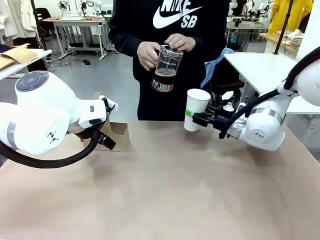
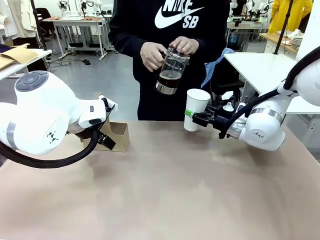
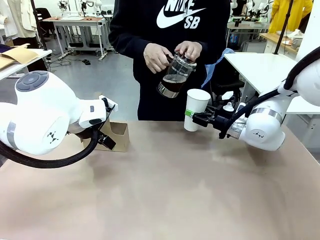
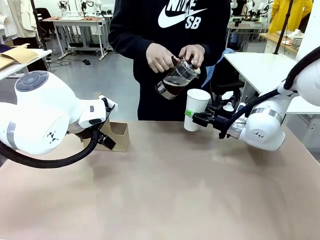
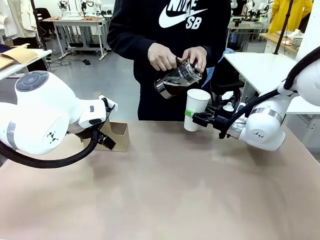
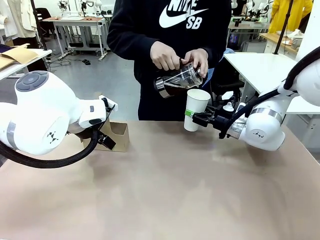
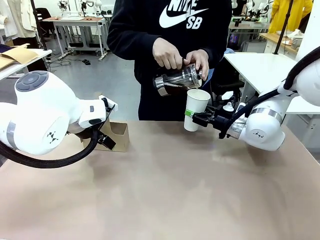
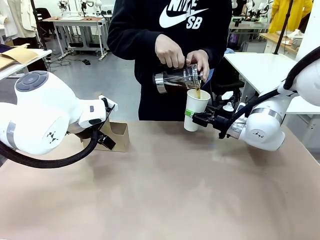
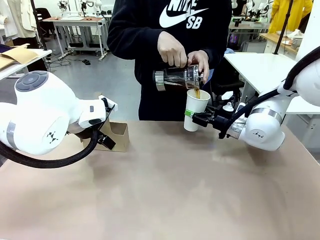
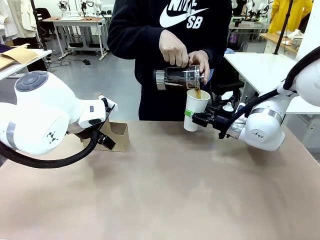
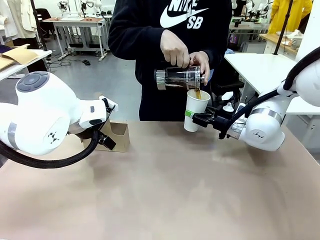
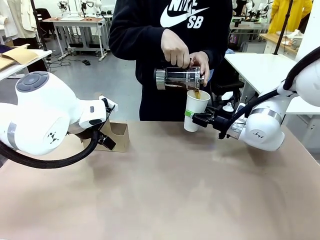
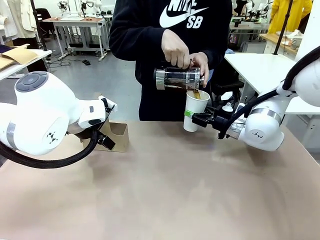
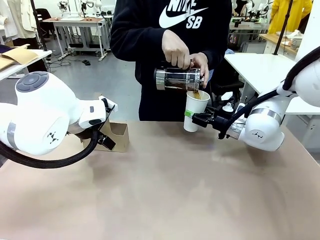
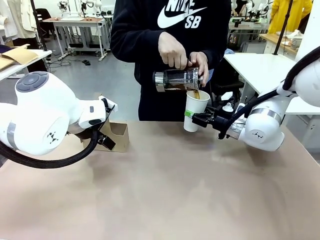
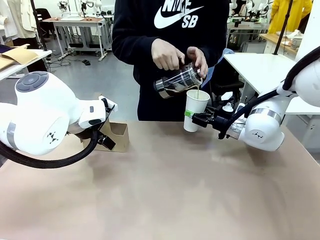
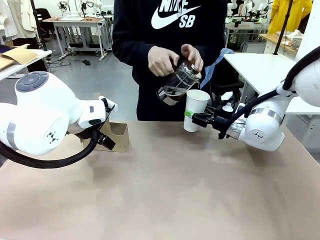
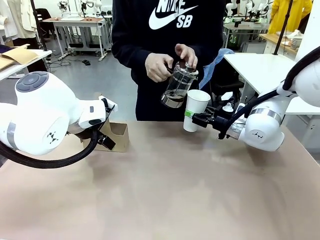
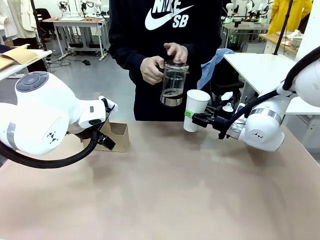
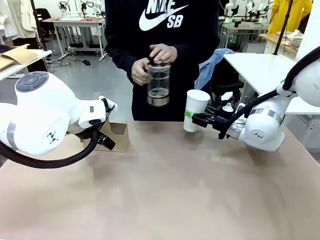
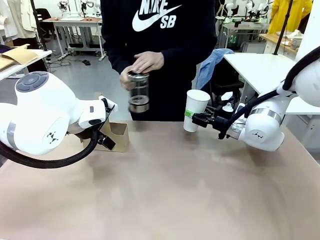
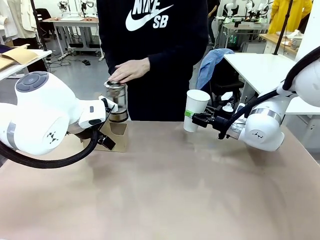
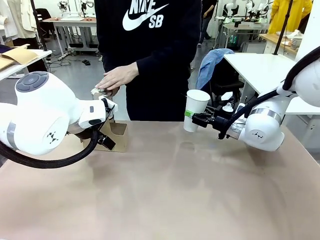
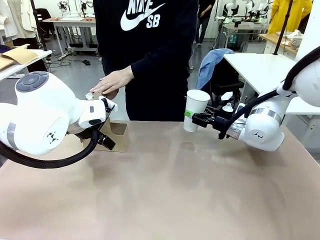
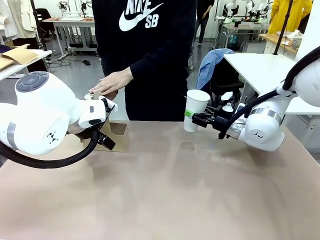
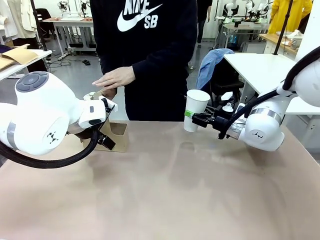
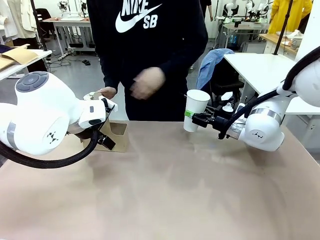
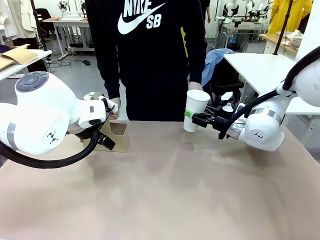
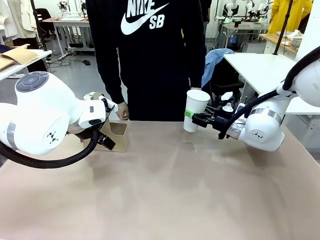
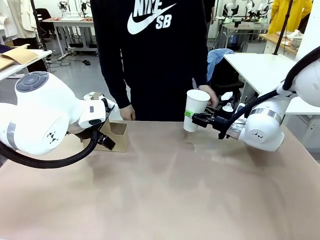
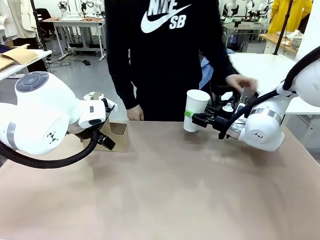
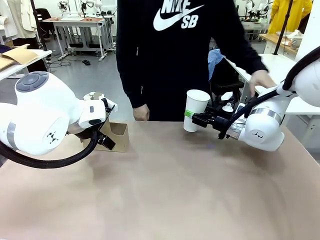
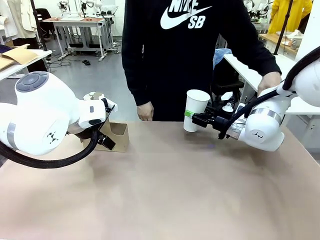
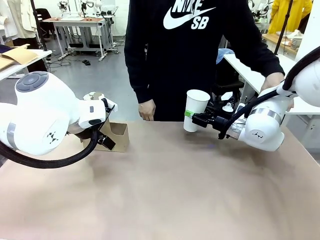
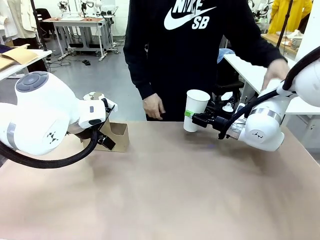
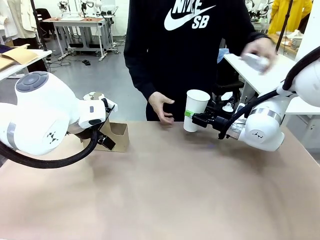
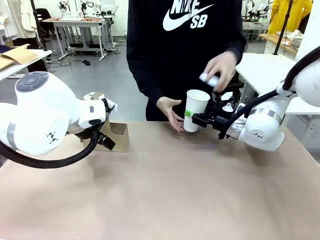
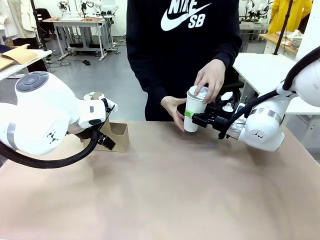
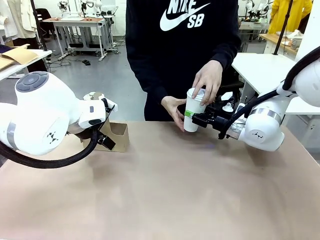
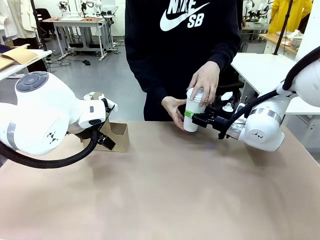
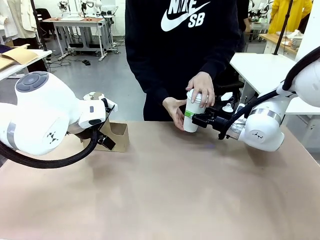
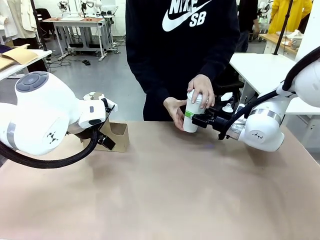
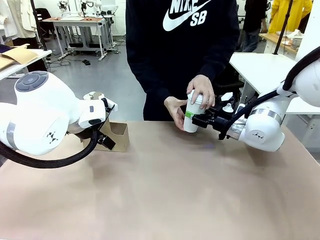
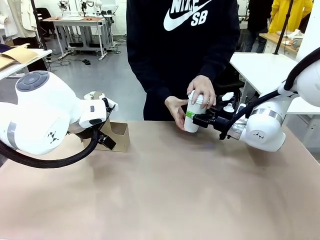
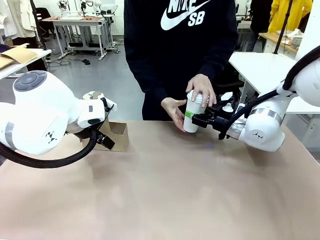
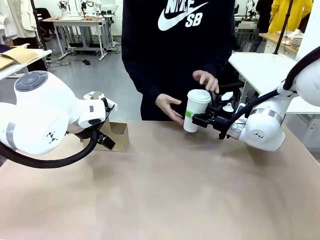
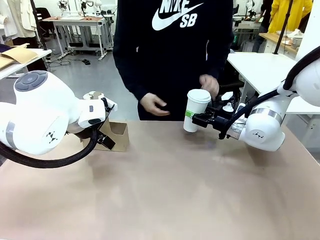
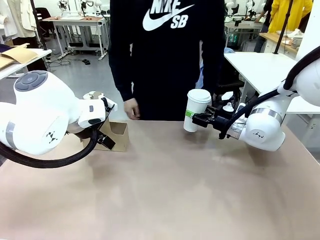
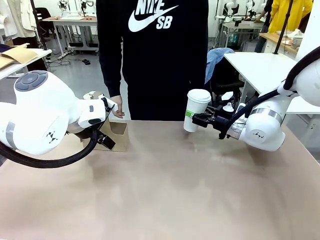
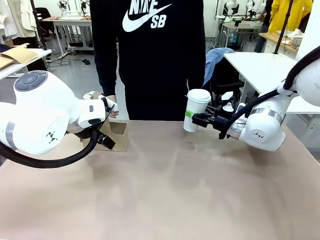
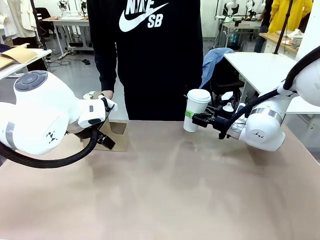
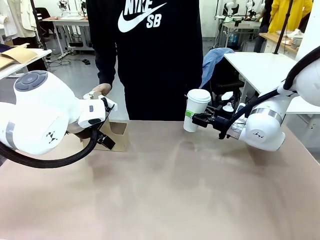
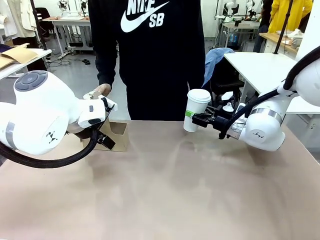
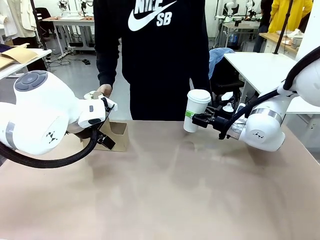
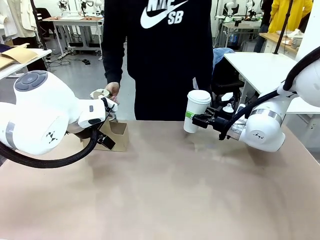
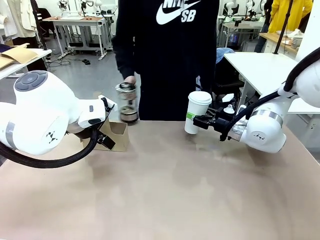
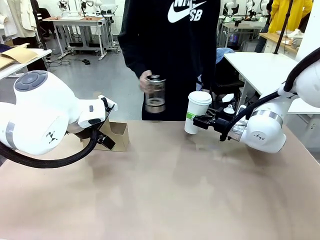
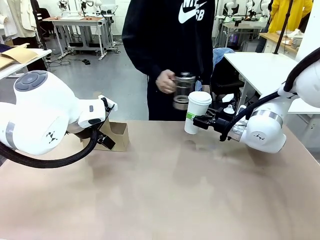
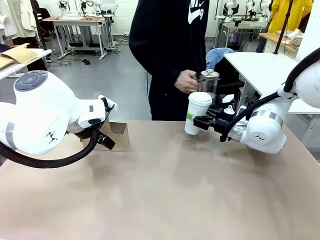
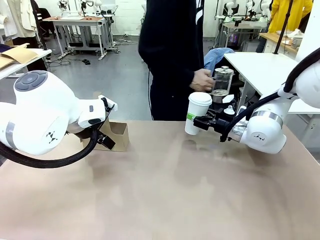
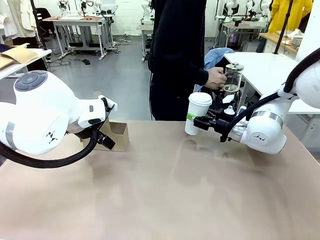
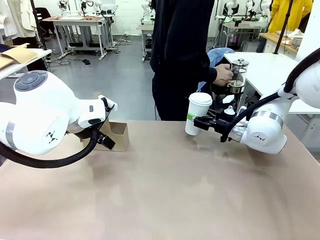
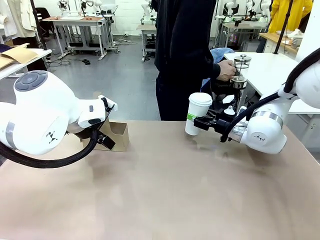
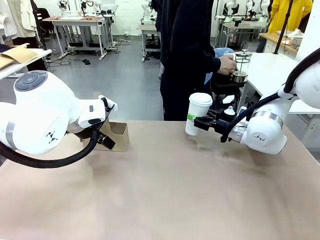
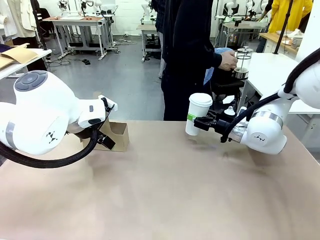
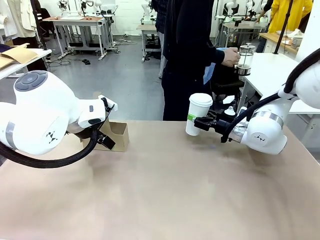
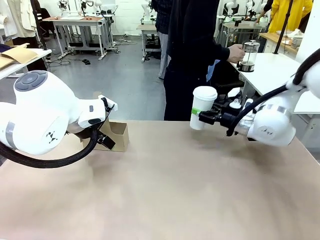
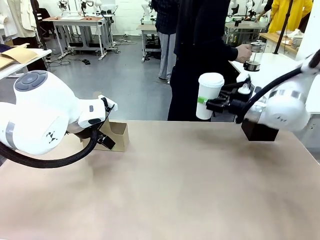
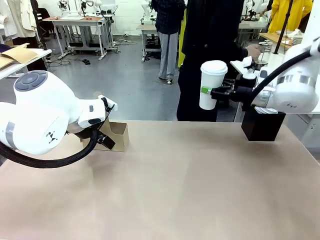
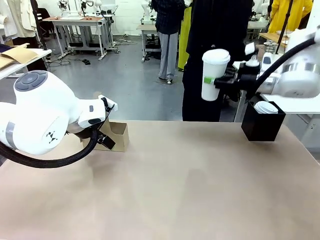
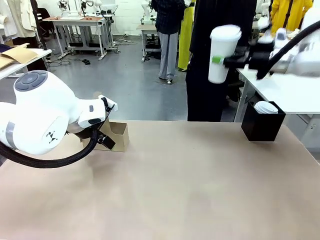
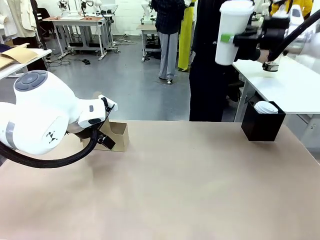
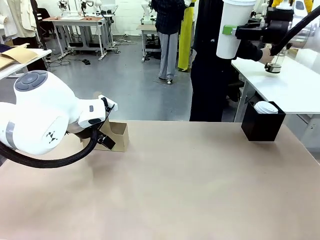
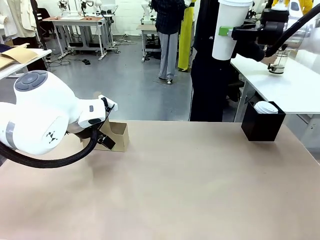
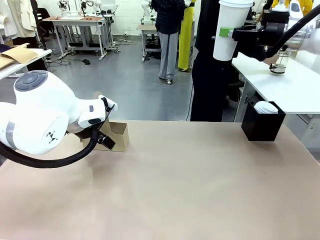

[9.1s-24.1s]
Task: Pour a drink into a cup and package it in a carrier.
Robot: When a person places the Paper Cup Lid on the 600 ml Paper Cup , lift the 600 ml Paper Cup.
Person: Pour the drink from the Filter Brewing into the 600 ml Paper Cup. Place a Paper Cup Lid on the 600 ml Paper Cup.

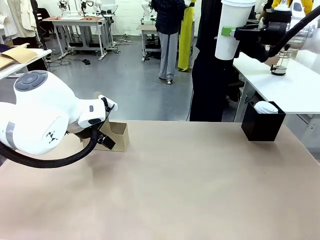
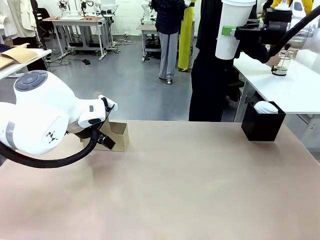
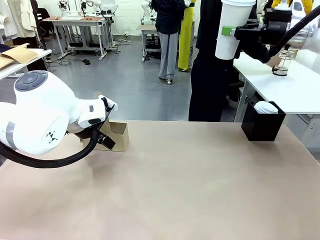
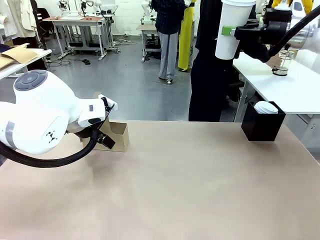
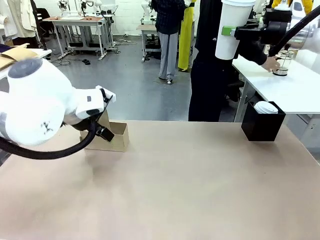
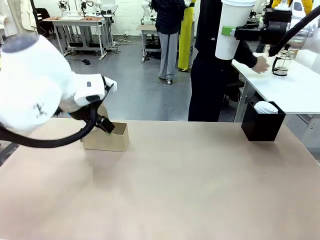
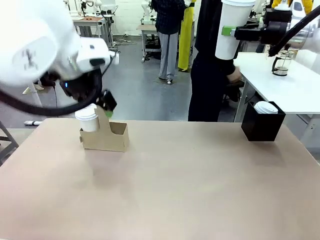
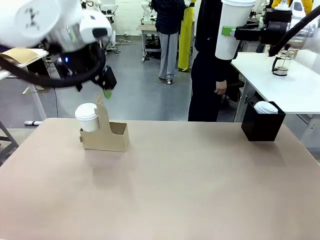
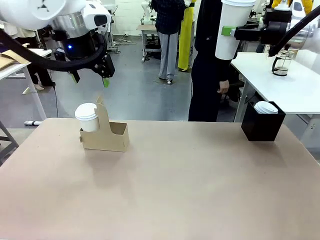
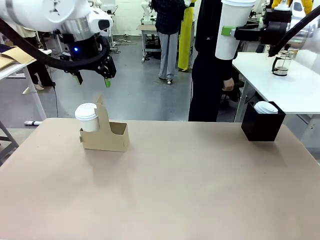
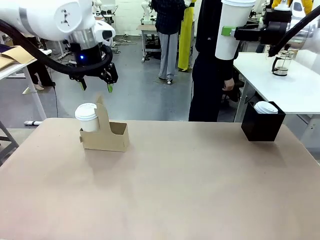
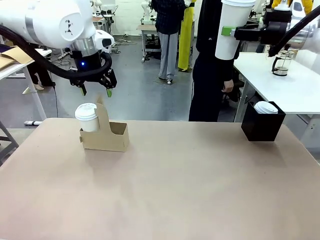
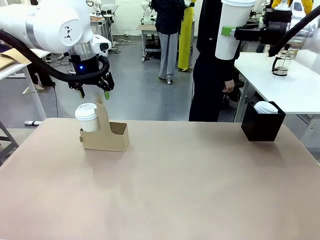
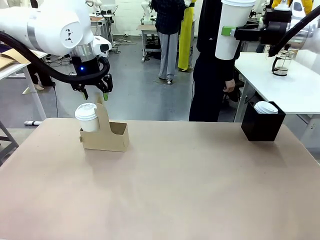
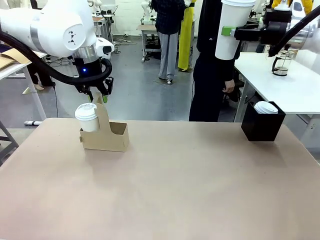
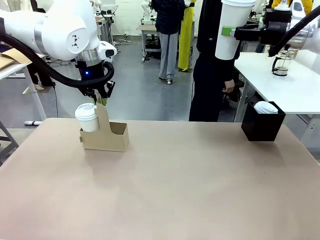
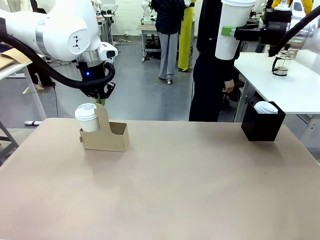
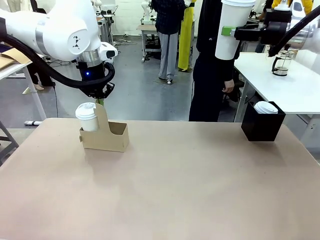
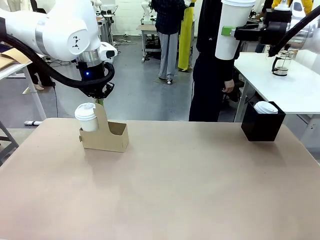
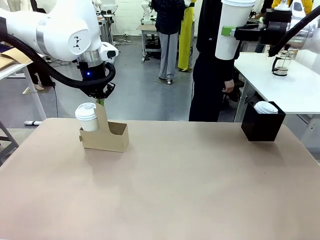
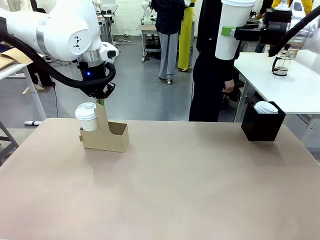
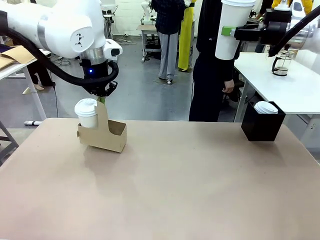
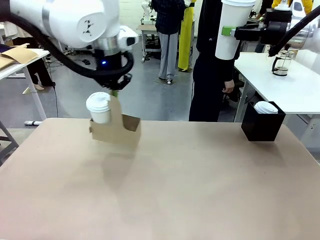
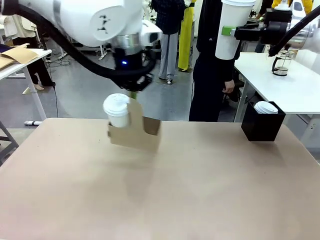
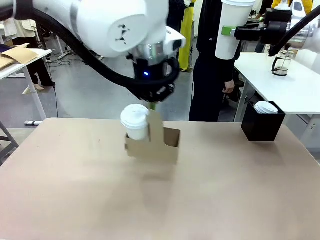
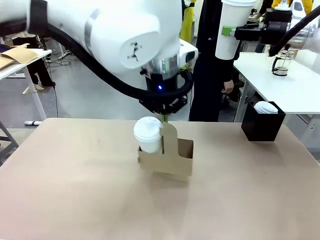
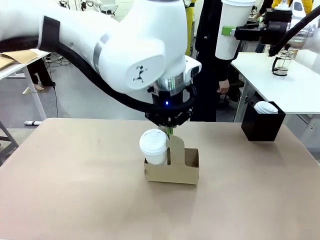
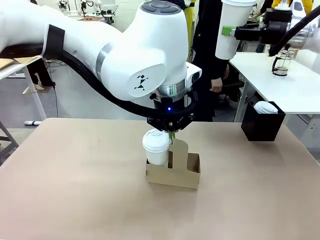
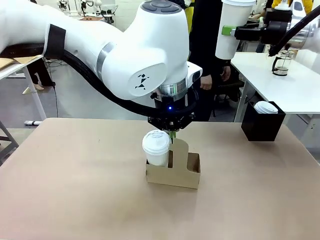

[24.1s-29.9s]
Robot: Position the Cup Carrier in the center of the table.
